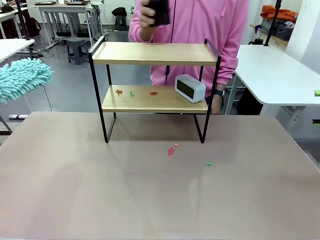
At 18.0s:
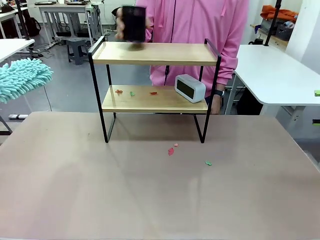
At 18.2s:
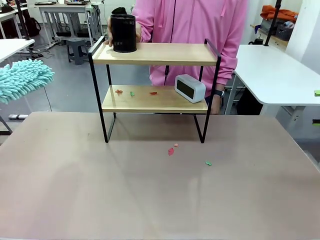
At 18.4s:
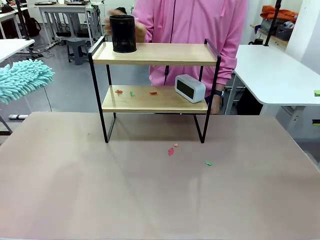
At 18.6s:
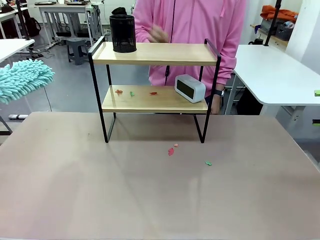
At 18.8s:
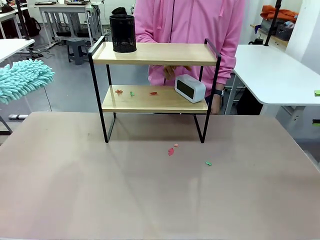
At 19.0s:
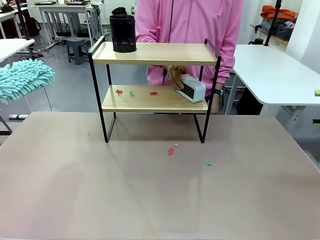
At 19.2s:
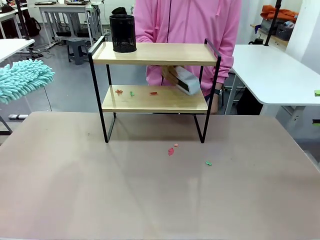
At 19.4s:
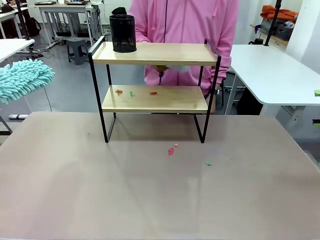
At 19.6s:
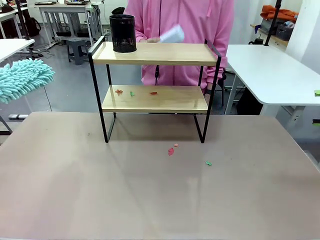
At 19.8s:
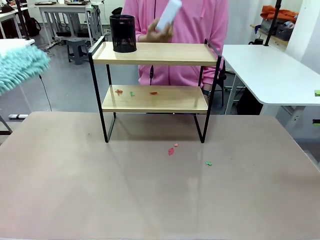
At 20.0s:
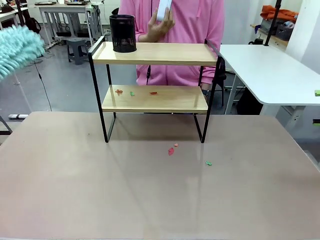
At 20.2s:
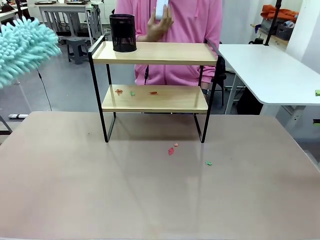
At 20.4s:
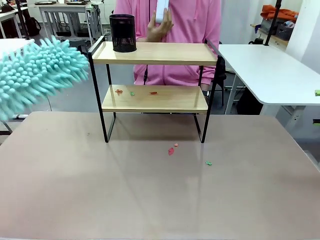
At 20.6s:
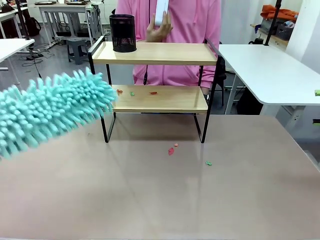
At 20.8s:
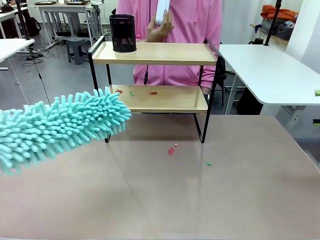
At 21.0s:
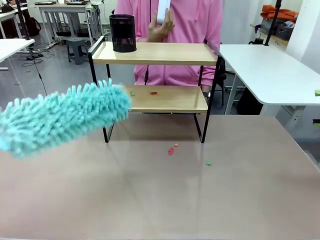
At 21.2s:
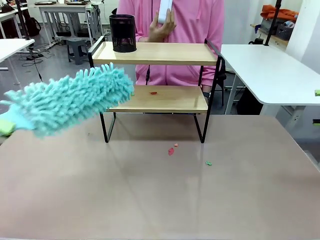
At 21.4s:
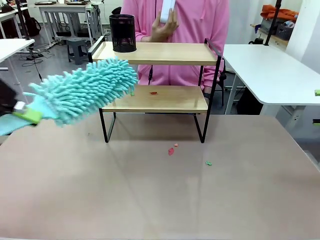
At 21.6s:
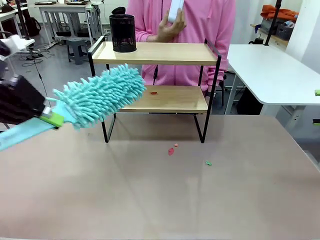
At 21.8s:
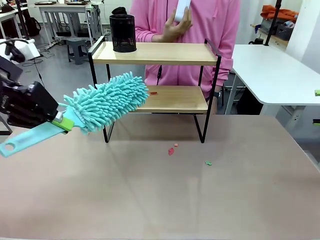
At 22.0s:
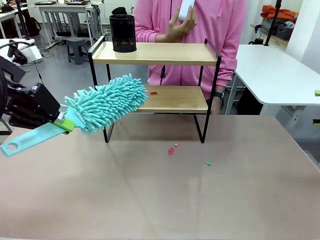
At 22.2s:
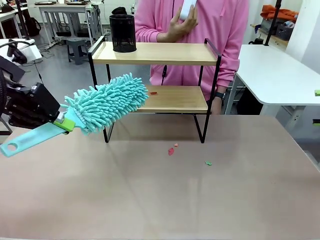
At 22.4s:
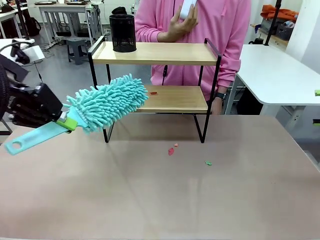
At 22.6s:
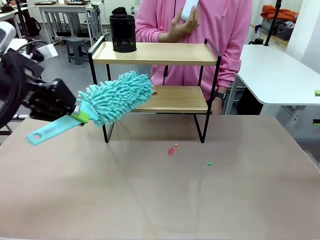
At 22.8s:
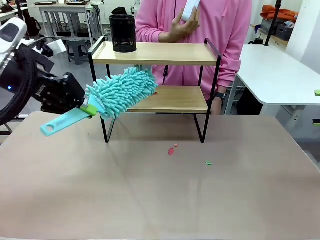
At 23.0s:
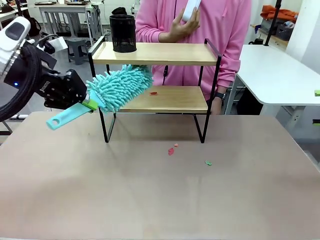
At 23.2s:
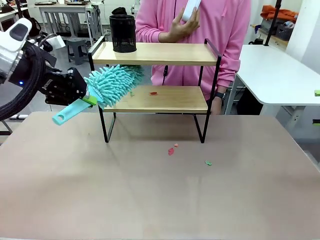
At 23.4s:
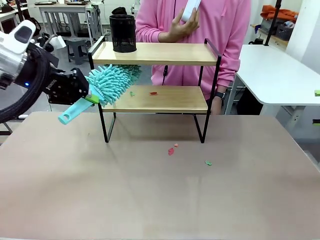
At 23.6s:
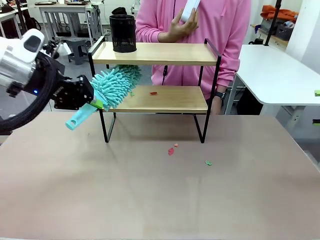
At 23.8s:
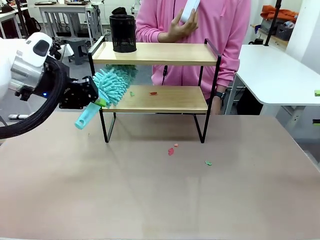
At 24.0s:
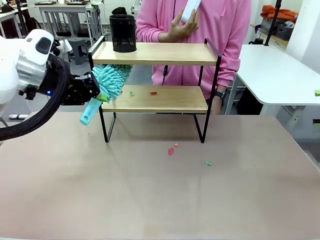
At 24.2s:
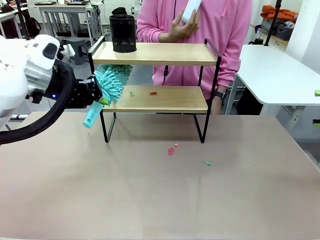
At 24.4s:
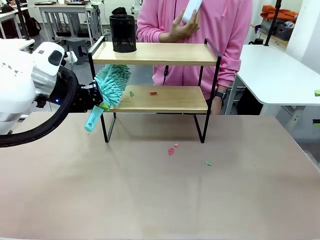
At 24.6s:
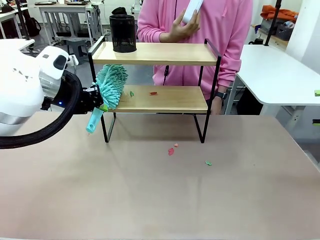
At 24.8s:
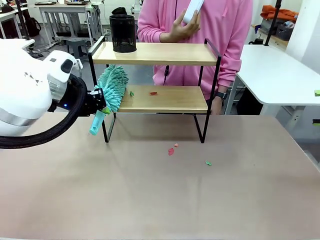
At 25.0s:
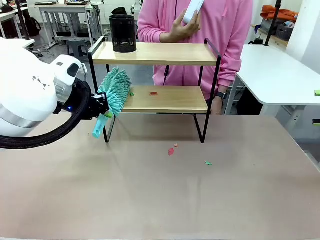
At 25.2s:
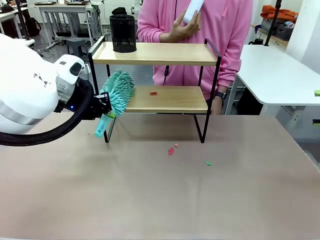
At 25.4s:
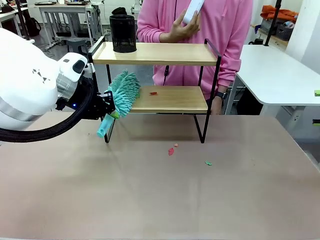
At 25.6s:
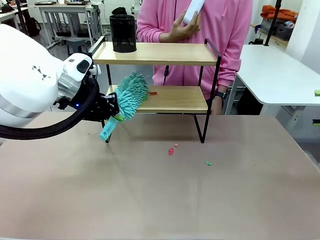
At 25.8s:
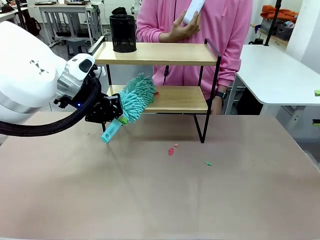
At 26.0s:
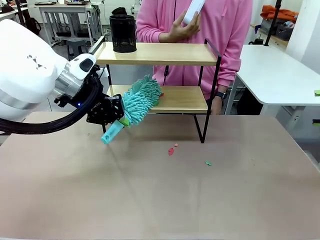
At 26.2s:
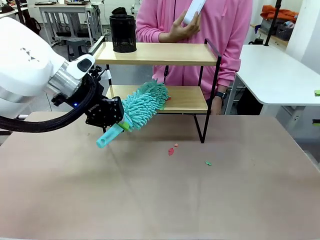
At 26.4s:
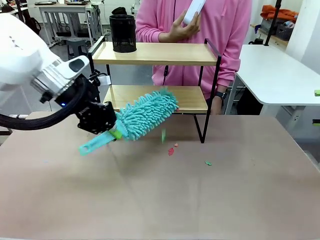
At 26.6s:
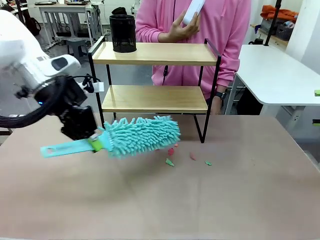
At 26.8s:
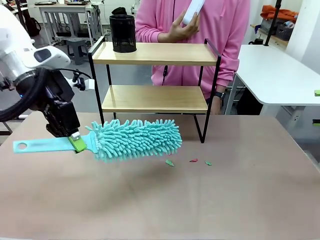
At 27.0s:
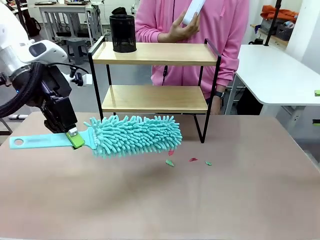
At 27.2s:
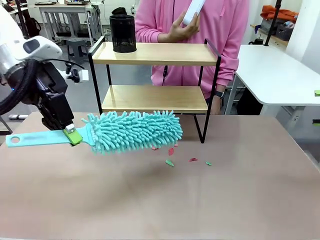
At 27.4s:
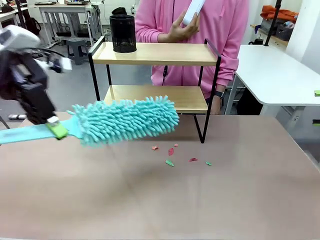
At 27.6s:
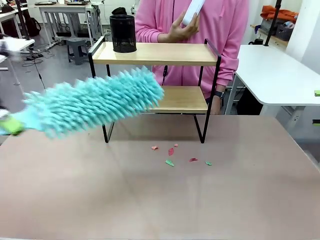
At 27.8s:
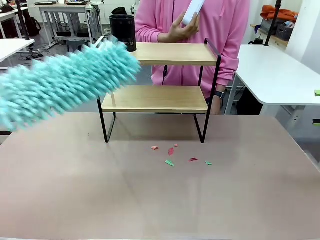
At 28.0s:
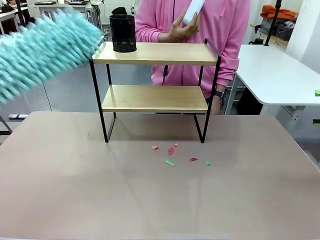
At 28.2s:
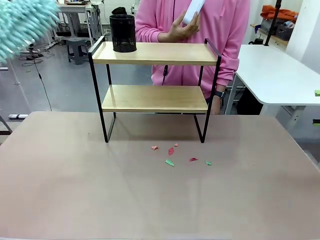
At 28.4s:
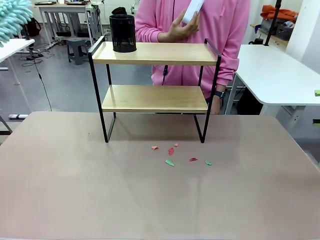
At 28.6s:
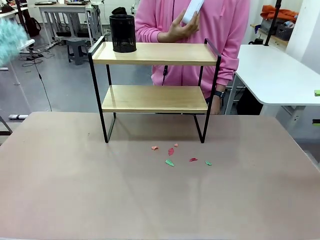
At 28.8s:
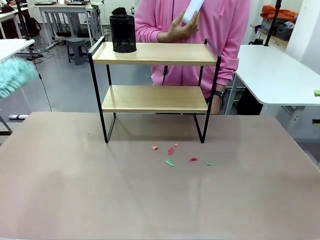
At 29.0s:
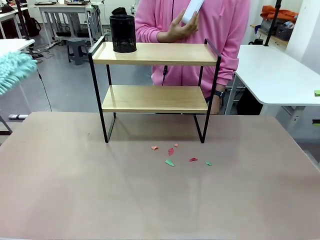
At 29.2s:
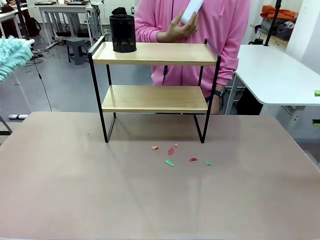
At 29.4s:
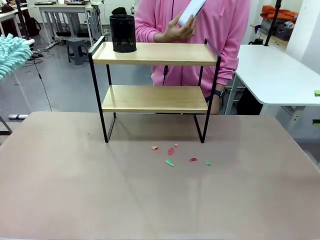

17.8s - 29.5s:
Task: Clean the shelf.
Robot: Clean the remaining tier of the Shelf with the Duster once objects are removed.

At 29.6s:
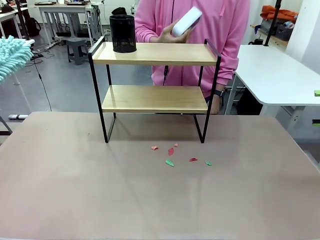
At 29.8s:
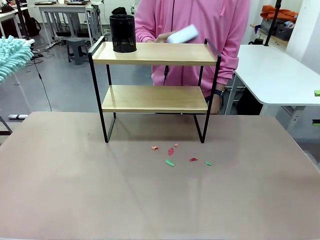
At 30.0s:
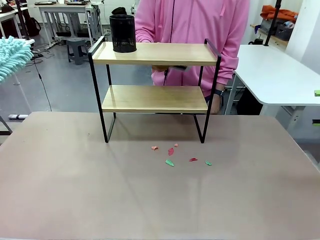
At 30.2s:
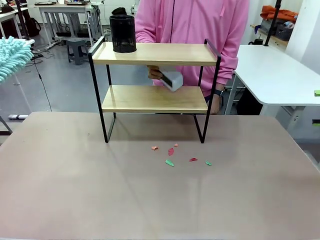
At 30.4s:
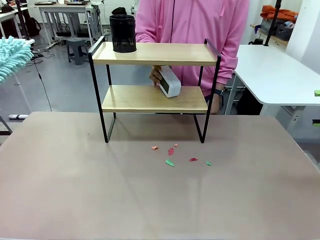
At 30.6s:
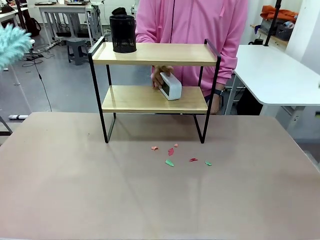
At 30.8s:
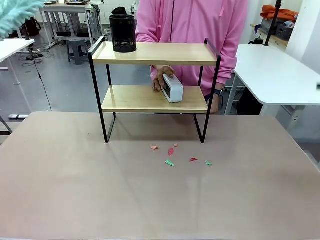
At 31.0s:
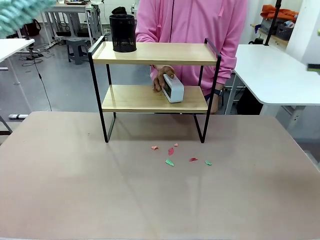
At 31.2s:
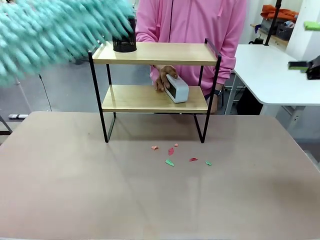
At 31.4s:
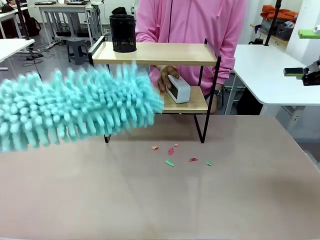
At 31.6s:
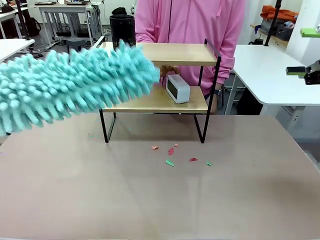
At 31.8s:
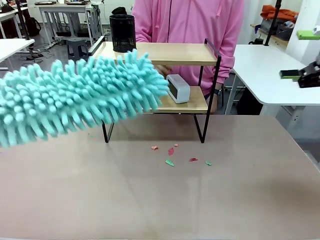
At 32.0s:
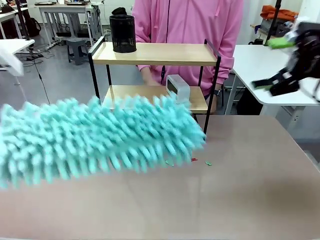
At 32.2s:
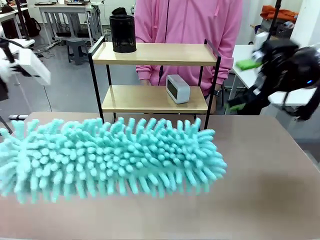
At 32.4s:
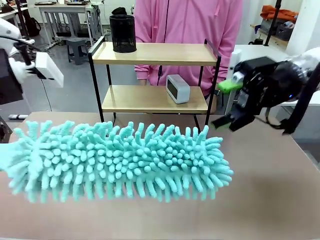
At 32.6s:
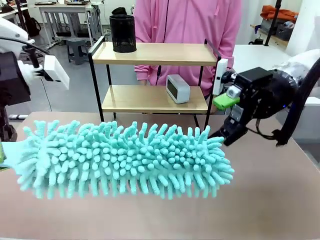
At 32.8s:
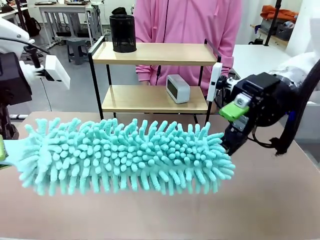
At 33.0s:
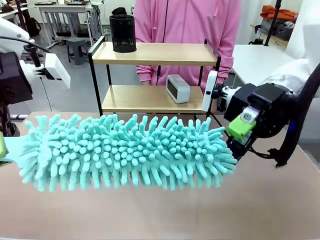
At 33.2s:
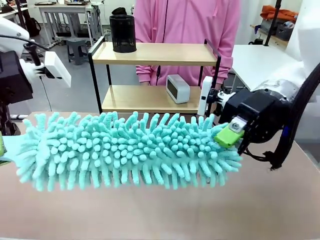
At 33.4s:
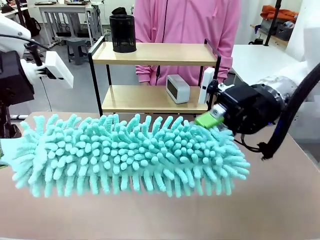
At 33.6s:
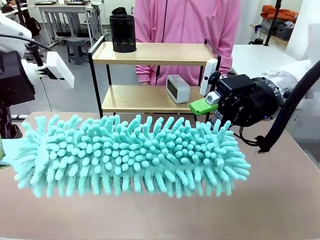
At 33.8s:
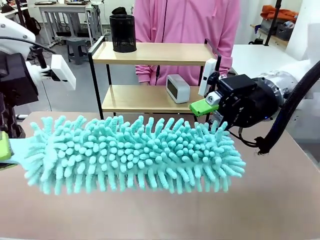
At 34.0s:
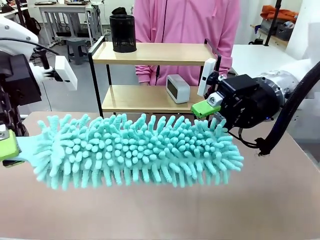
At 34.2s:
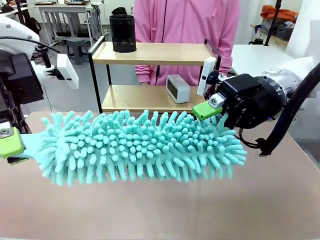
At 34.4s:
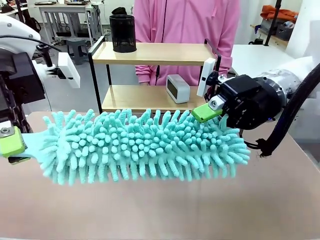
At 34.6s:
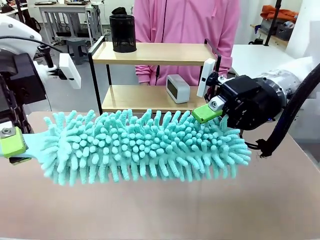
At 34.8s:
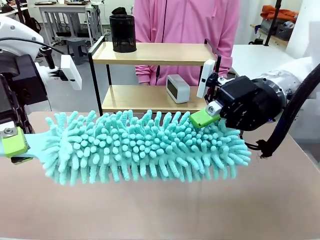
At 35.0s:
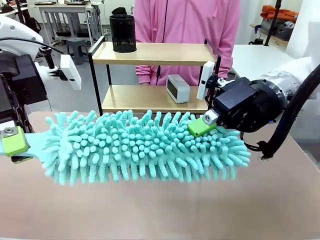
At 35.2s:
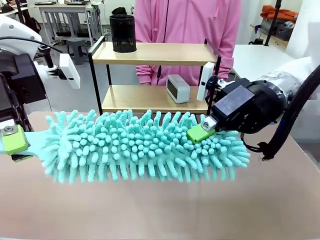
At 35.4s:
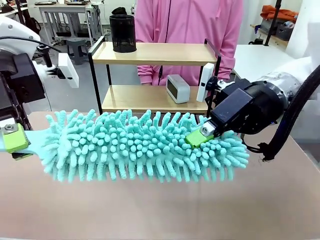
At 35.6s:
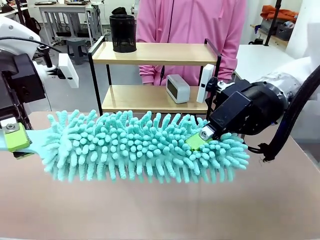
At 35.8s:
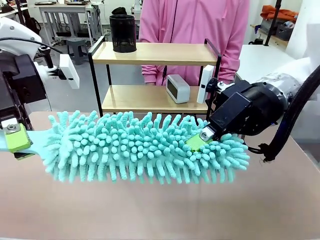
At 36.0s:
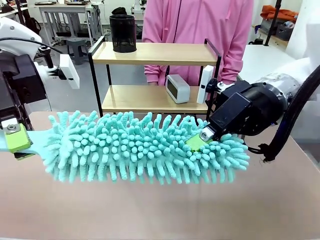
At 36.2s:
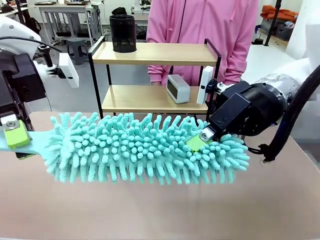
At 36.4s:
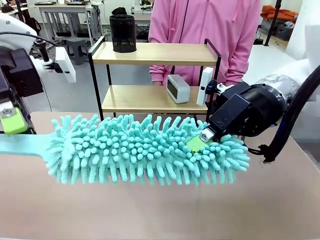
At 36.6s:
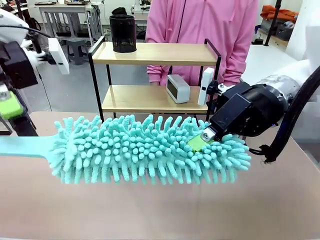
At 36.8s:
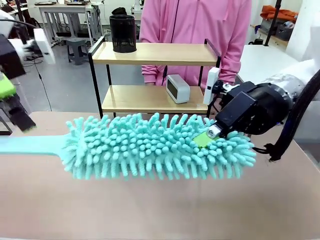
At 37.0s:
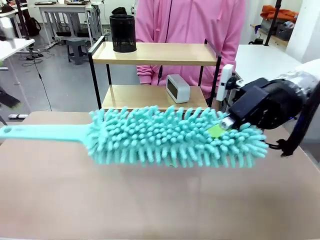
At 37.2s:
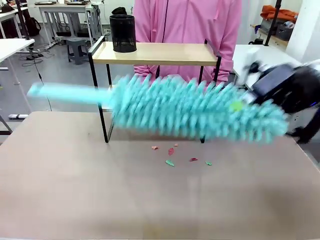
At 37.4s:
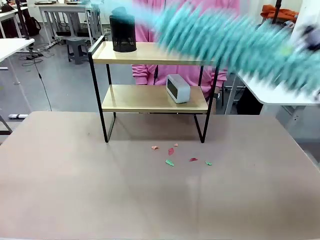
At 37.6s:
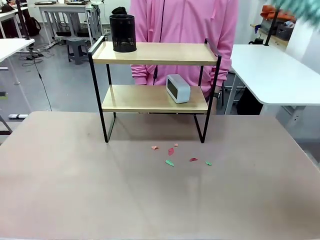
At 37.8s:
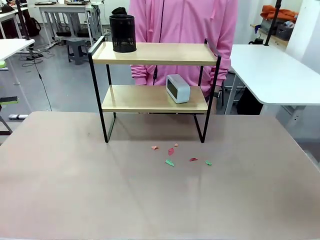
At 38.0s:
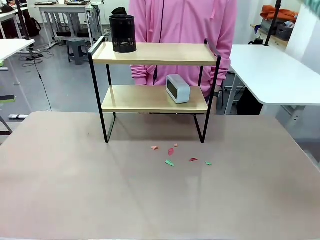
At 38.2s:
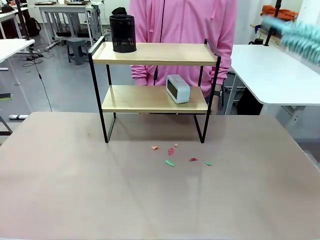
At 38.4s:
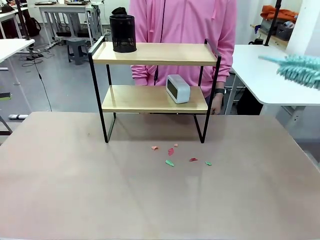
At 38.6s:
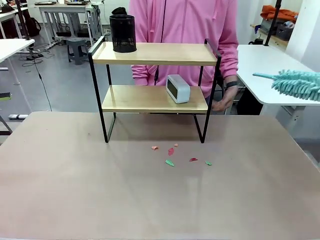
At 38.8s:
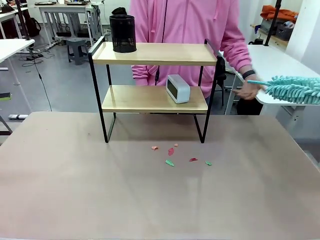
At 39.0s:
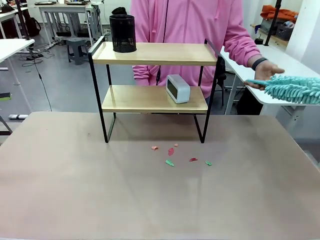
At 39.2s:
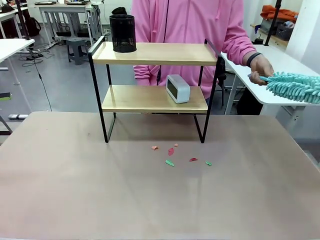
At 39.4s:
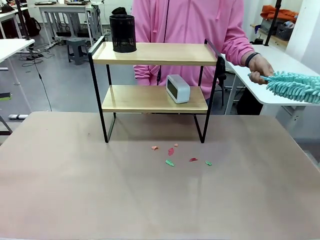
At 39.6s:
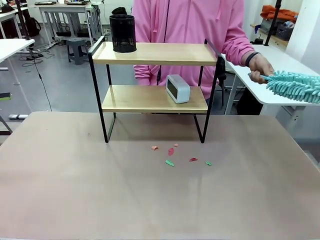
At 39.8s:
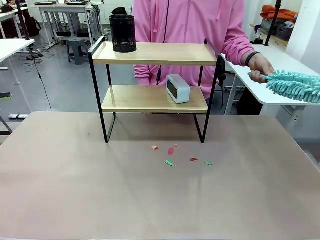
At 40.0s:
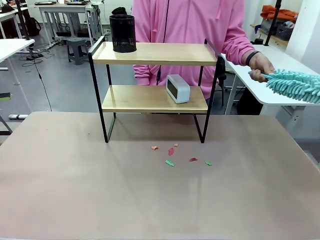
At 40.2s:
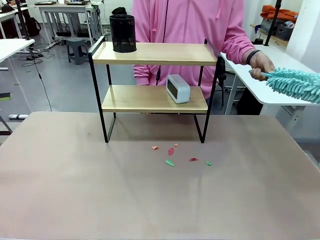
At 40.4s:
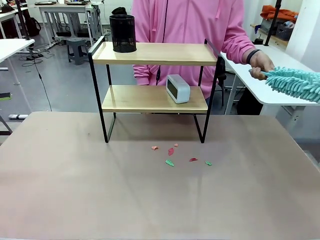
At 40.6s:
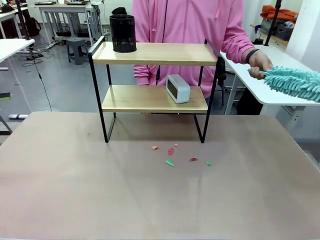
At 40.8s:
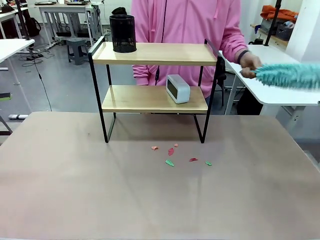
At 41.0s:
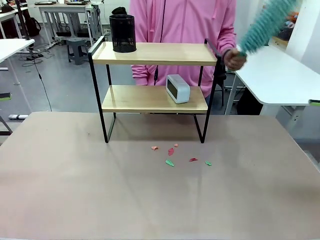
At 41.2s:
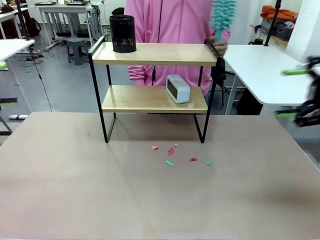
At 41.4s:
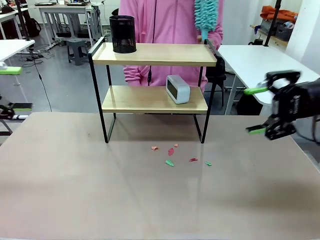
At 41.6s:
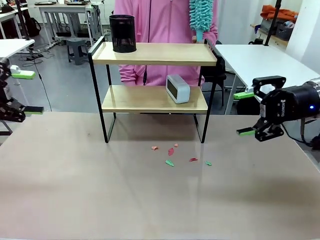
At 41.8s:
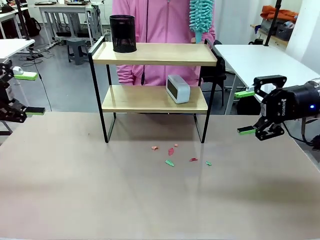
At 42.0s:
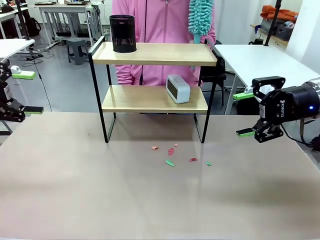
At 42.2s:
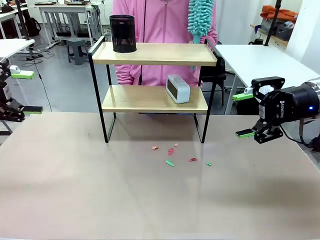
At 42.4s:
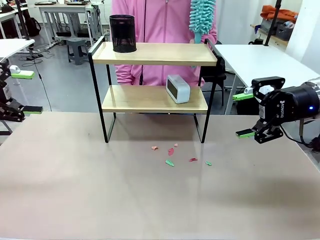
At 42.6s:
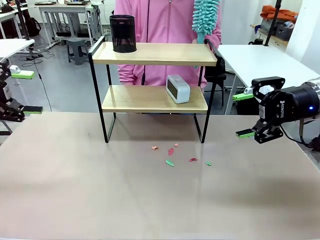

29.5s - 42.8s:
Robot: Hand the Duster back to the human.
Person: Receive the Duster from the robot.
